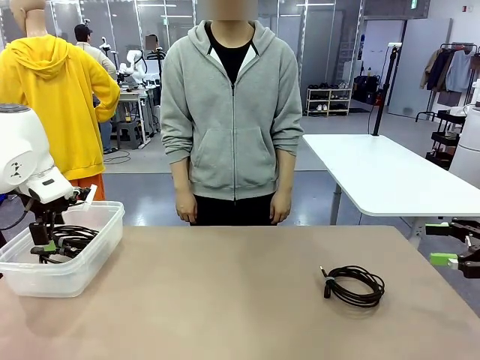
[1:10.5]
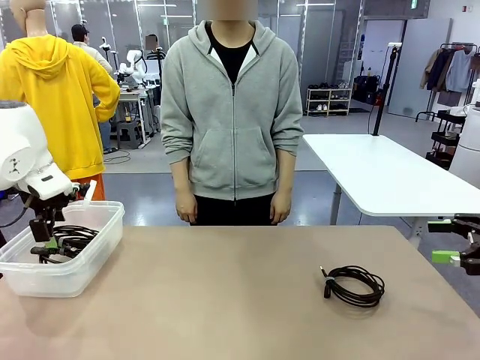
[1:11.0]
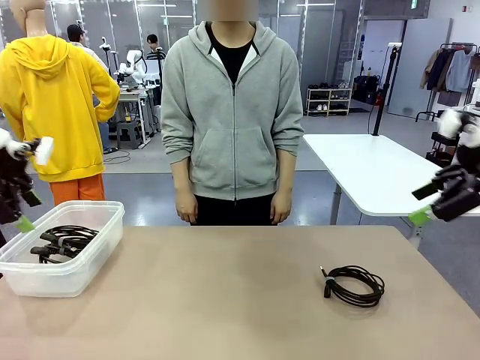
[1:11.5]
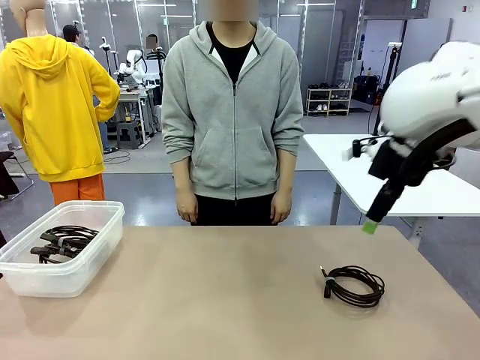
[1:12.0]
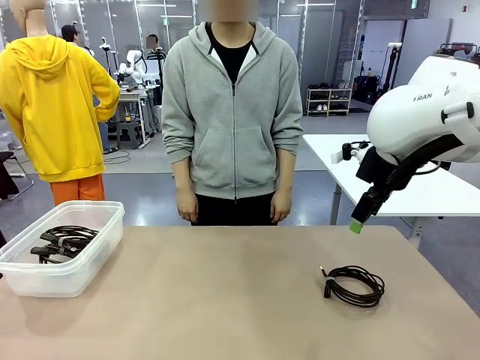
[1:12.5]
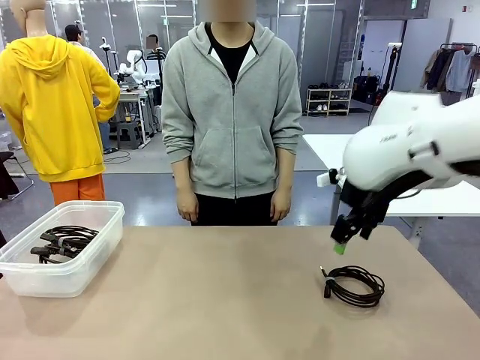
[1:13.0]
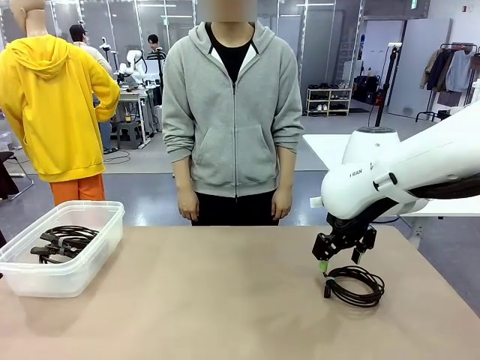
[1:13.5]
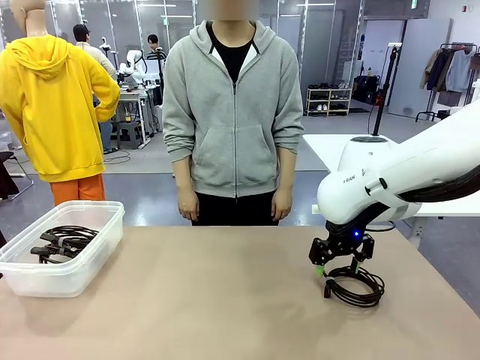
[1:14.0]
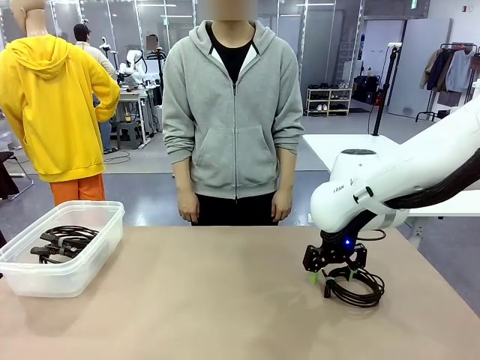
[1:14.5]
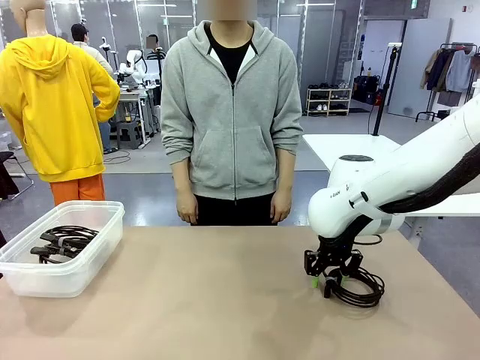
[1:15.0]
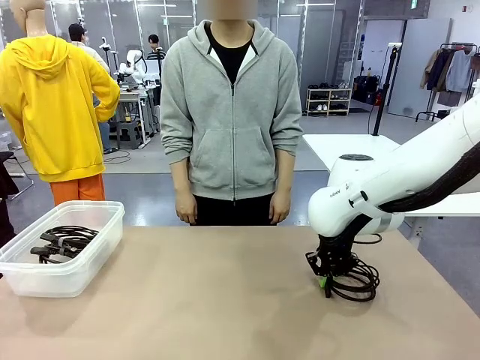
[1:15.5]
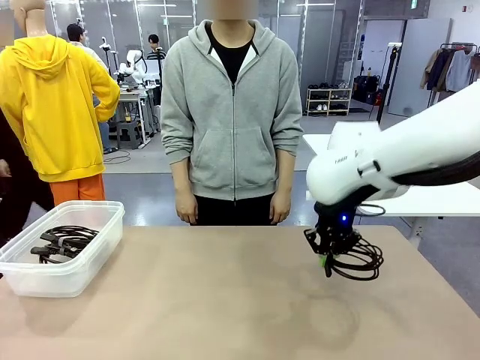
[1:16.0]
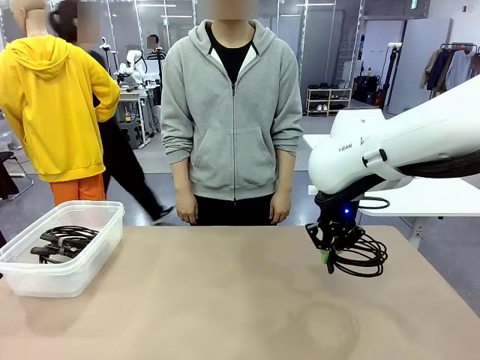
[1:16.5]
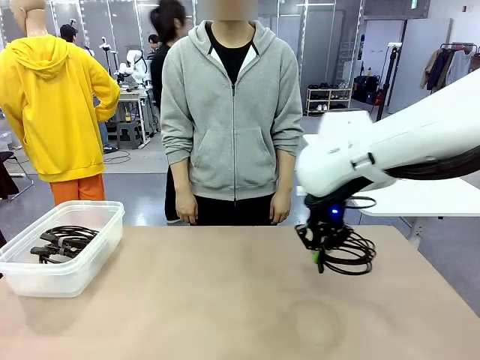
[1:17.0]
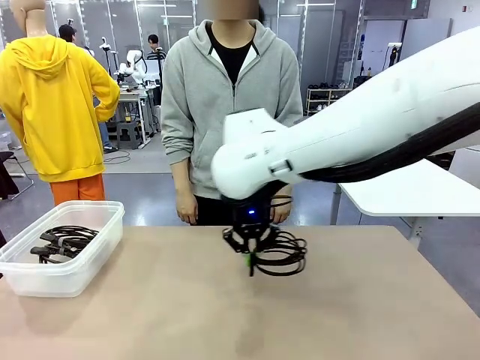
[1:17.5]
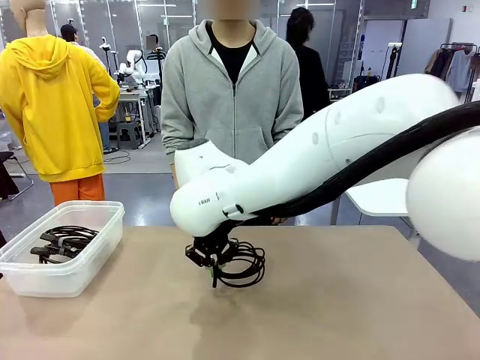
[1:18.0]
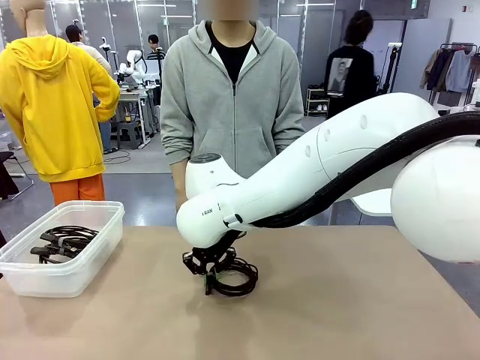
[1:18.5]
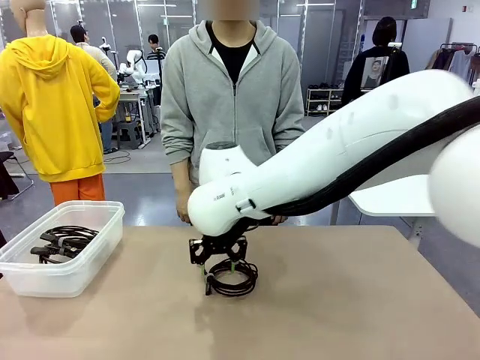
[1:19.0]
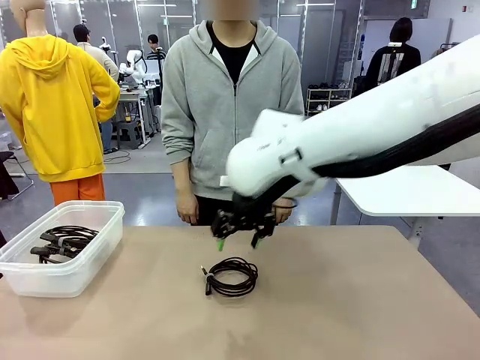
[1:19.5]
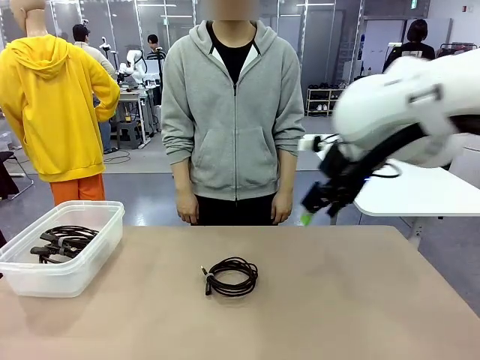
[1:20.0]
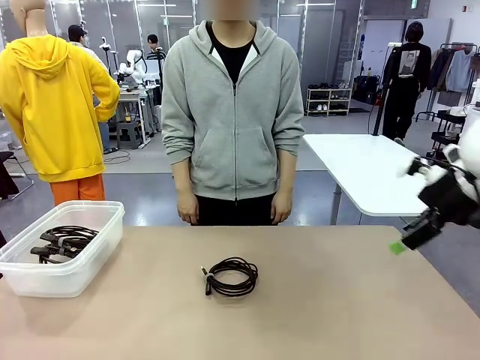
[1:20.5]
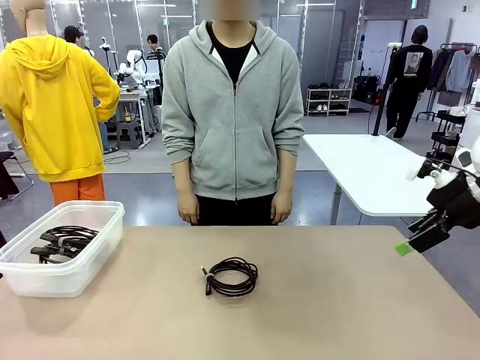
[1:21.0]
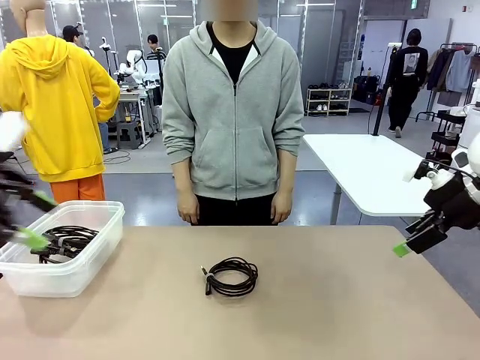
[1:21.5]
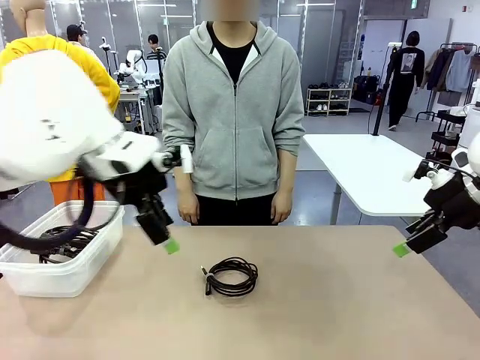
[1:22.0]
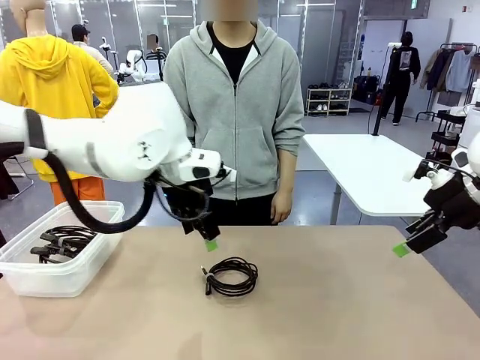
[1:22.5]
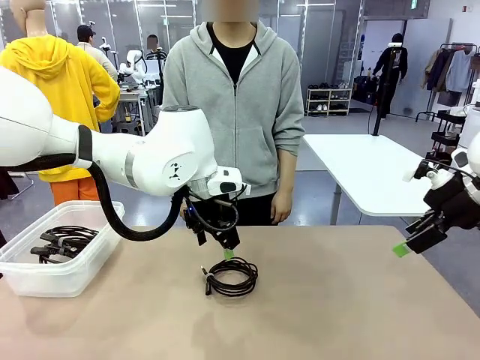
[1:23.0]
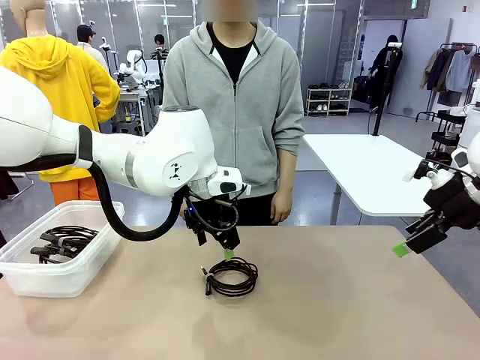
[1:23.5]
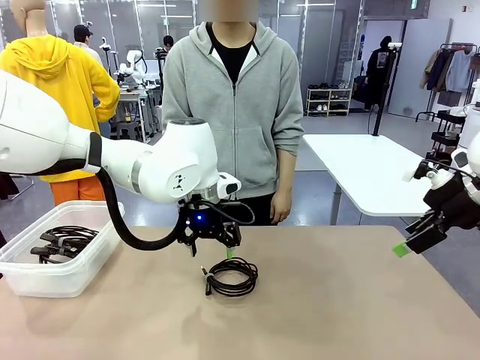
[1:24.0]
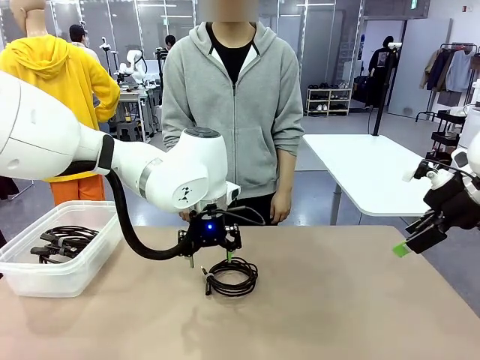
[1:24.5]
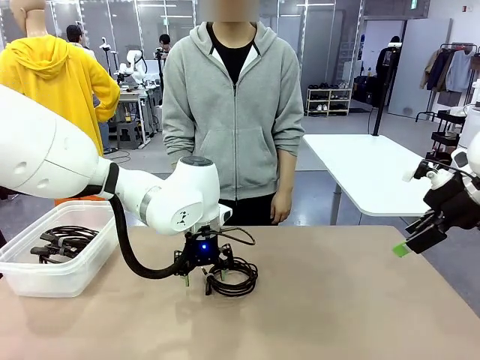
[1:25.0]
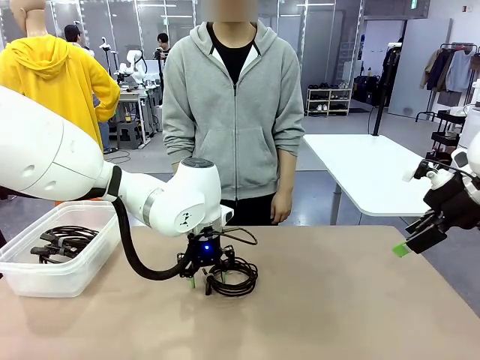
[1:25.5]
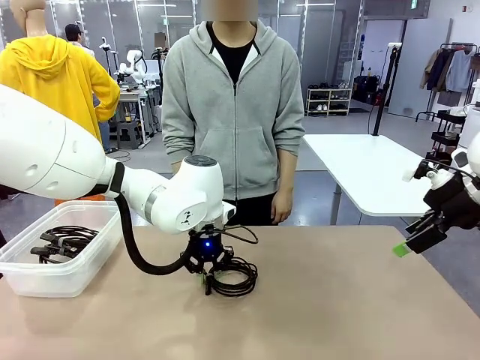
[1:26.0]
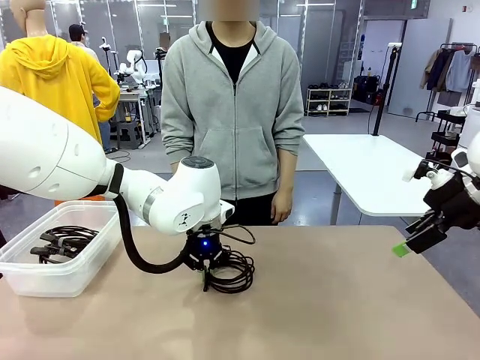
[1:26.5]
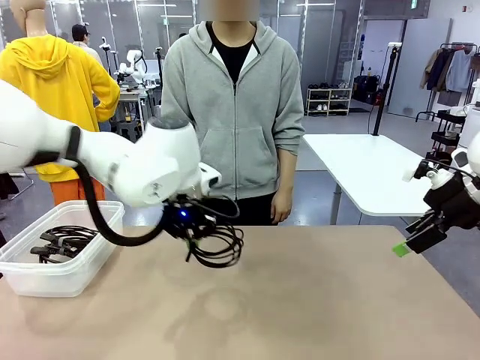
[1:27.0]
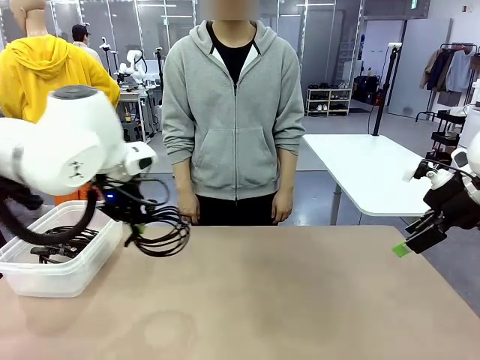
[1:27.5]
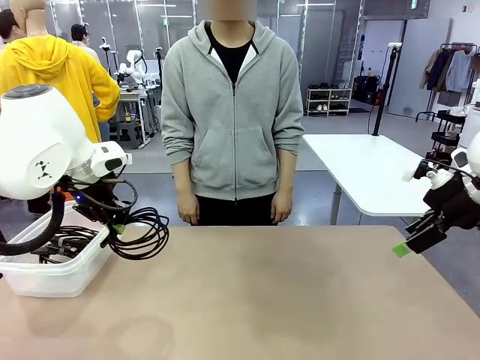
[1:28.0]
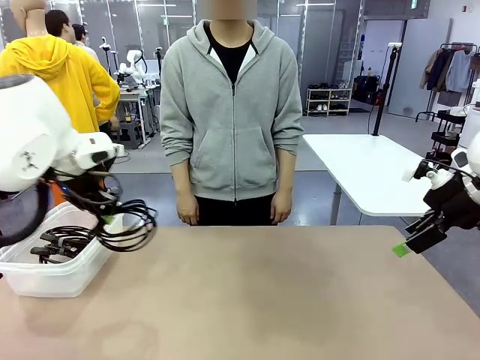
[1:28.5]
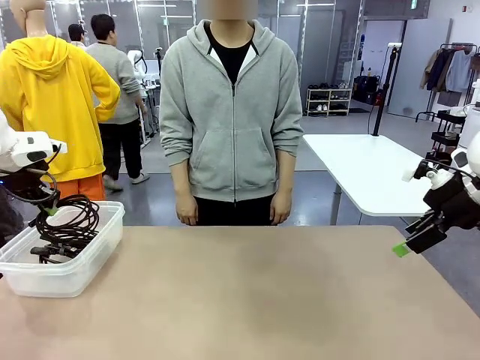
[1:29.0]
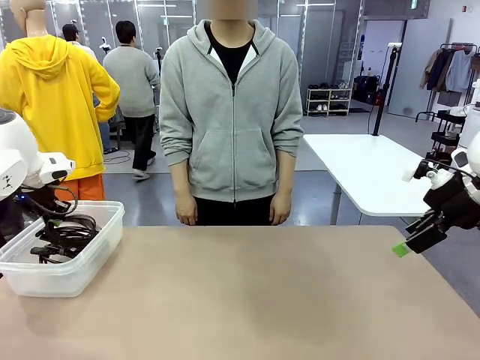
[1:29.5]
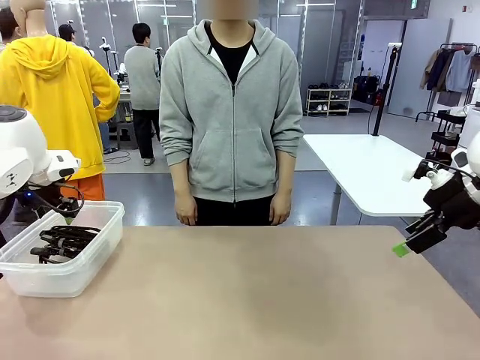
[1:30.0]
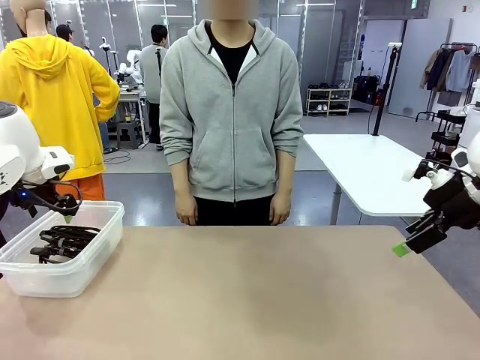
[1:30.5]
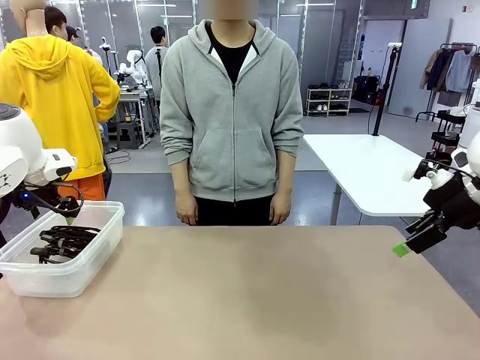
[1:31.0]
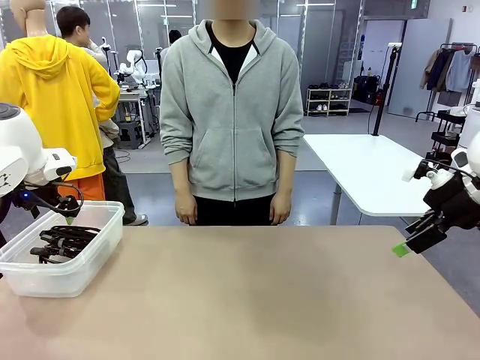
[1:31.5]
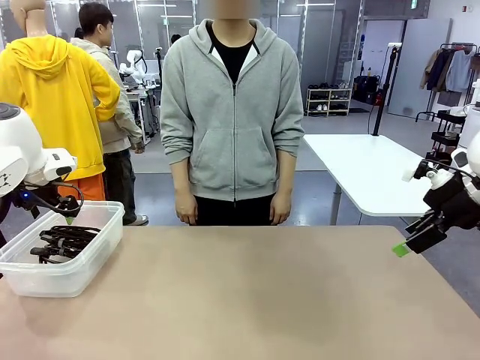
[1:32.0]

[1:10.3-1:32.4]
Task: Organize and store the cables.
Robot: Place the USB Extension Cable into the Organizing box.

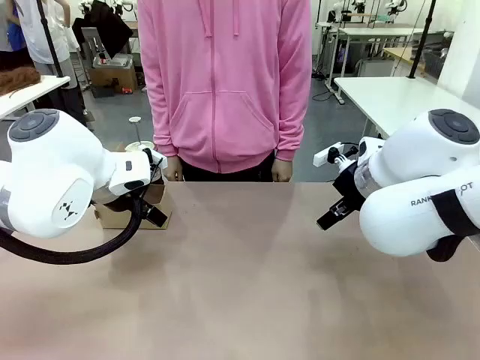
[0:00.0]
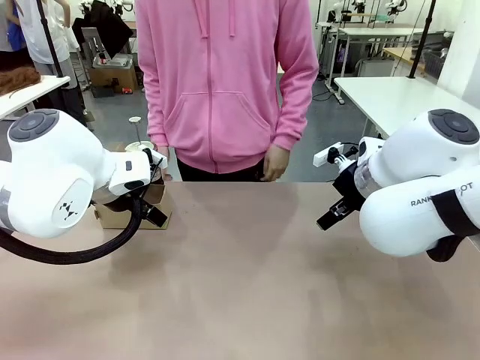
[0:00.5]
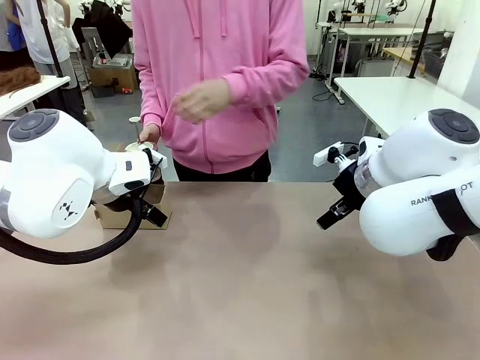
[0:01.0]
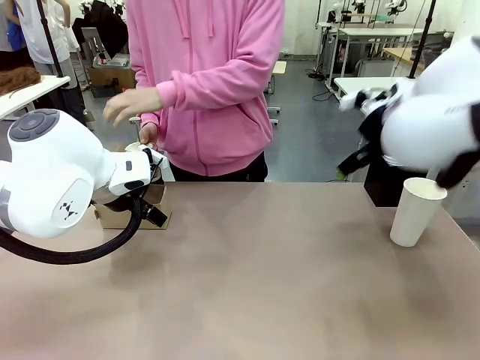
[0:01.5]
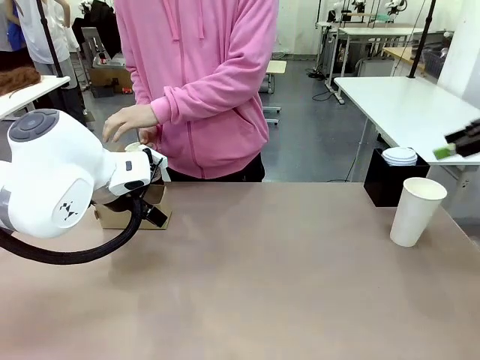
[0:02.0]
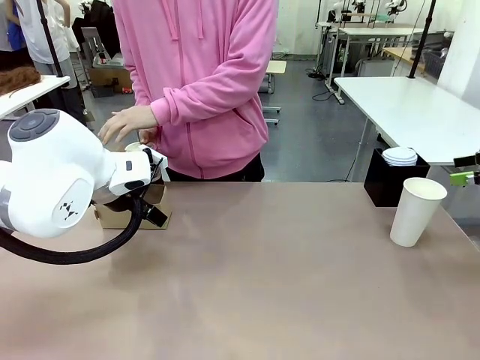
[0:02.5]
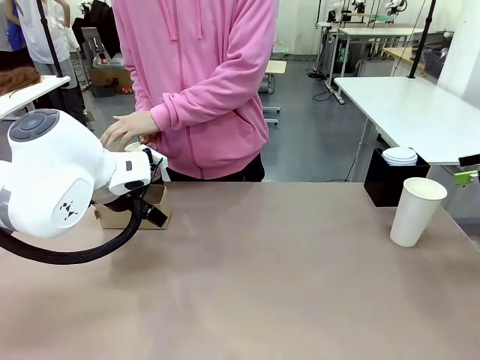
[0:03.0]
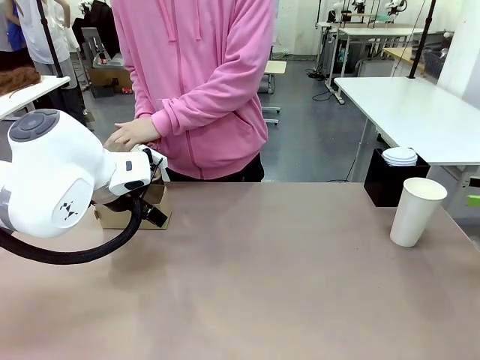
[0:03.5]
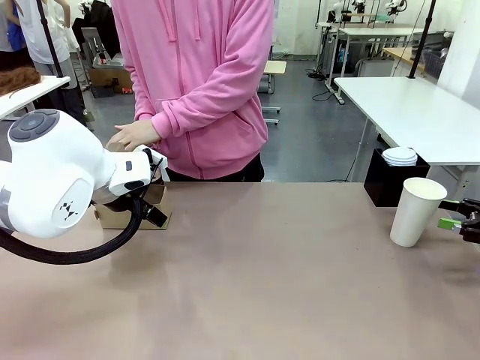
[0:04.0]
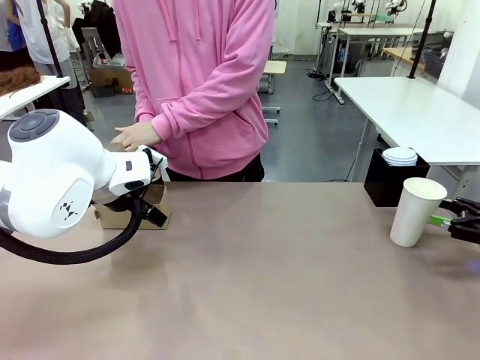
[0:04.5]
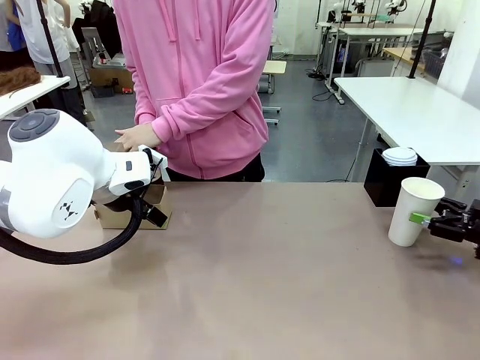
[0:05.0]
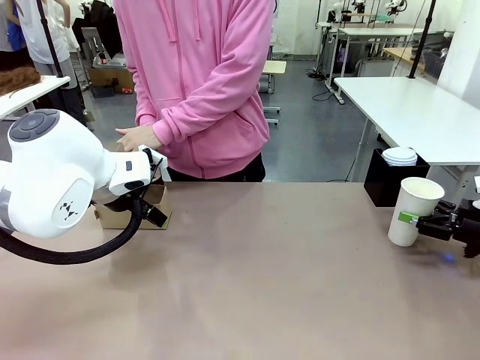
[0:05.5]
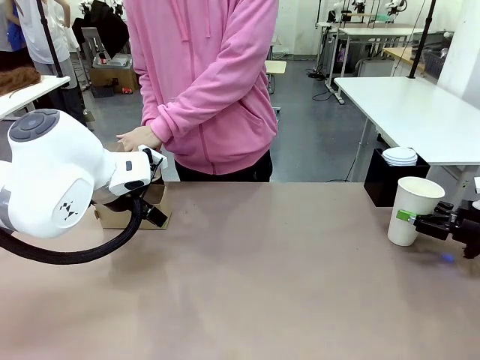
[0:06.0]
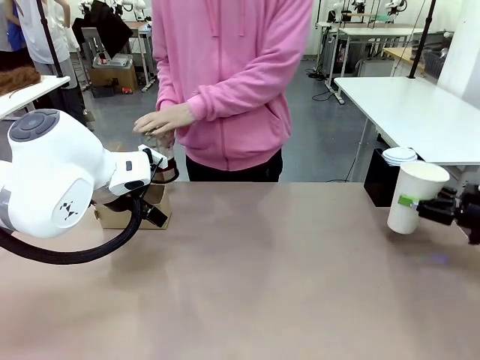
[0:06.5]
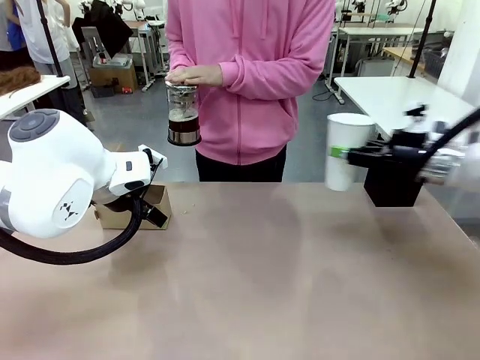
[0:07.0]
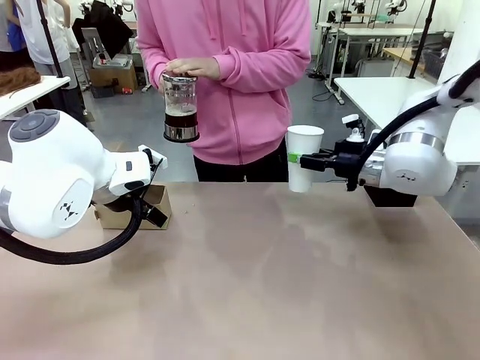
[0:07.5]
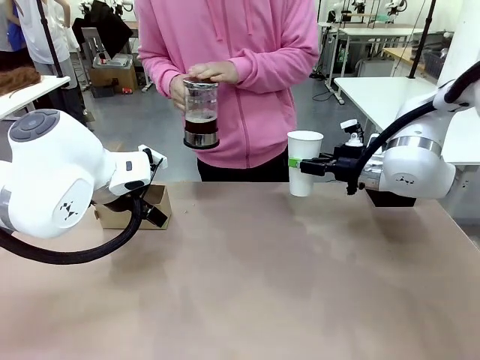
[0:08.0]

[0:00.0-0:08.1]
Task: Pour a drink into a cup and package it in a carrier.
Robot: Pick up the 600 ml Paper Cup and place it in the middle top area of the table.
Person: Press and pick up the Filter Brewing.
